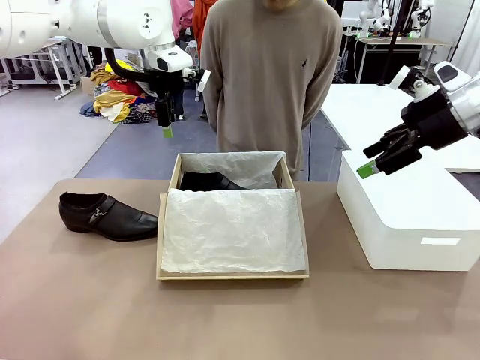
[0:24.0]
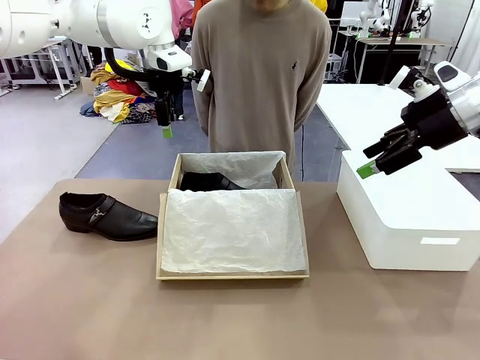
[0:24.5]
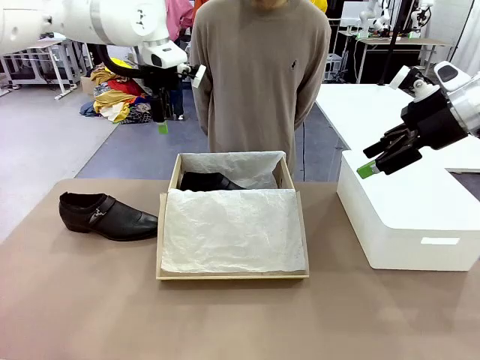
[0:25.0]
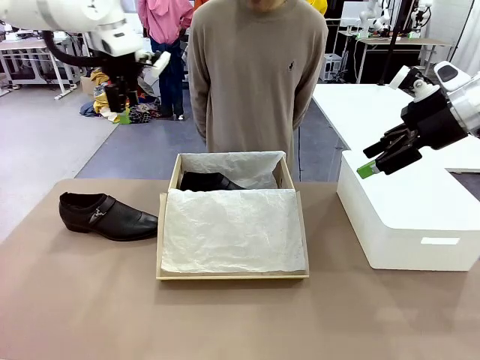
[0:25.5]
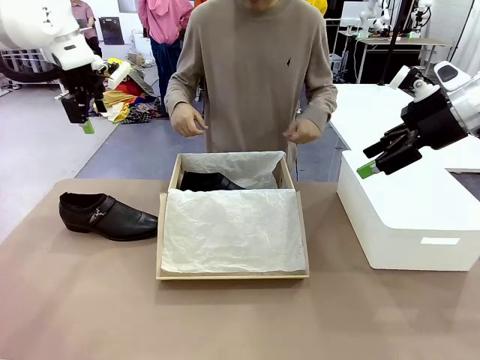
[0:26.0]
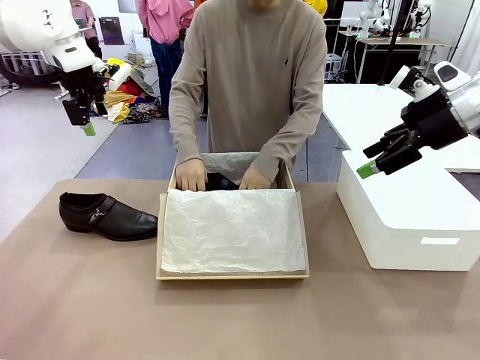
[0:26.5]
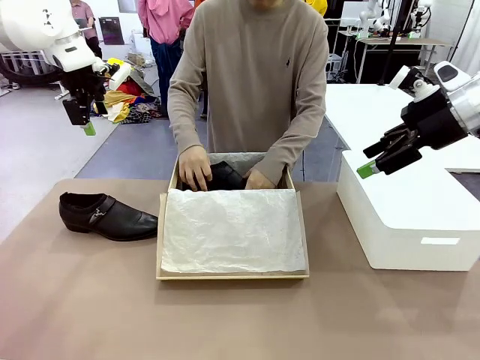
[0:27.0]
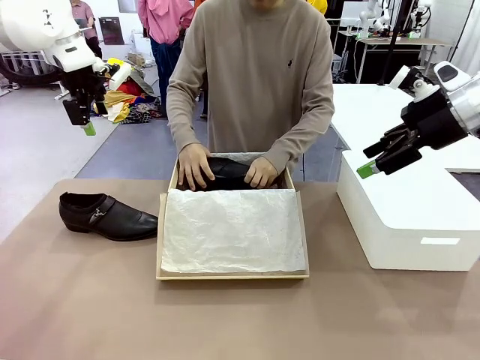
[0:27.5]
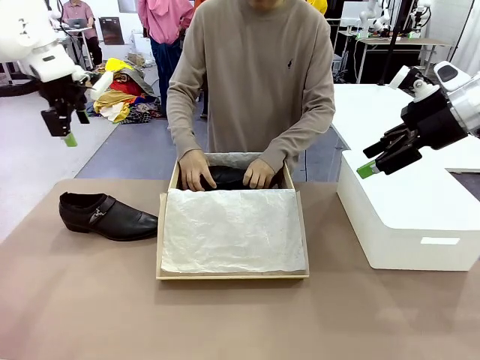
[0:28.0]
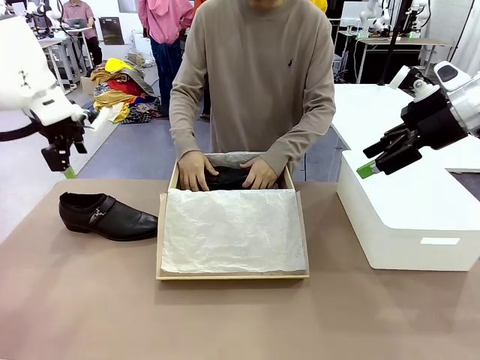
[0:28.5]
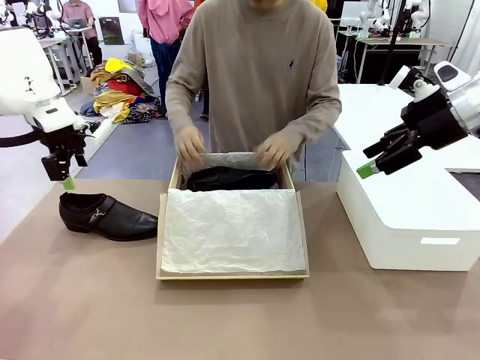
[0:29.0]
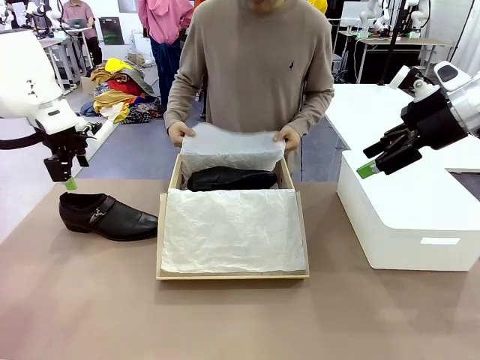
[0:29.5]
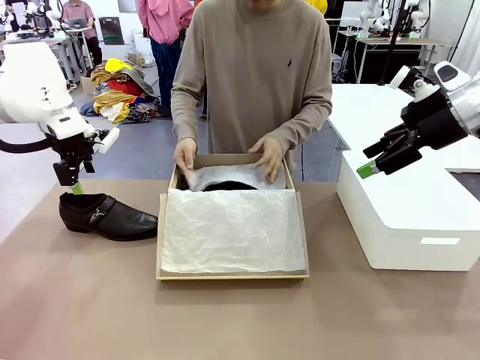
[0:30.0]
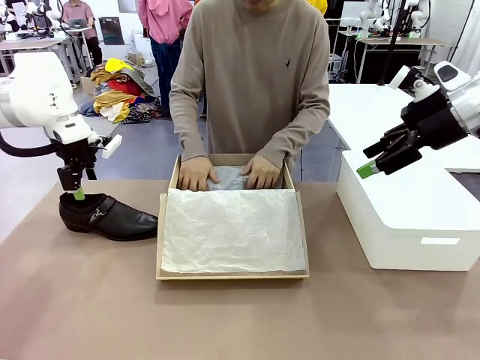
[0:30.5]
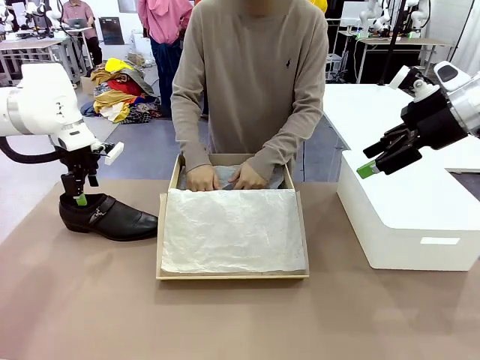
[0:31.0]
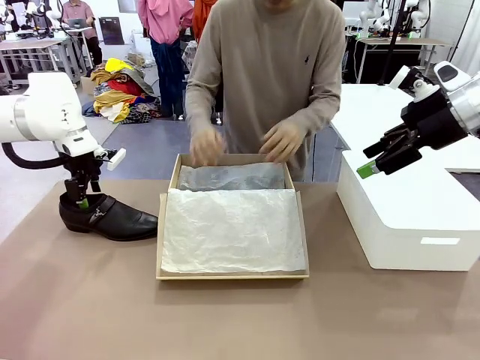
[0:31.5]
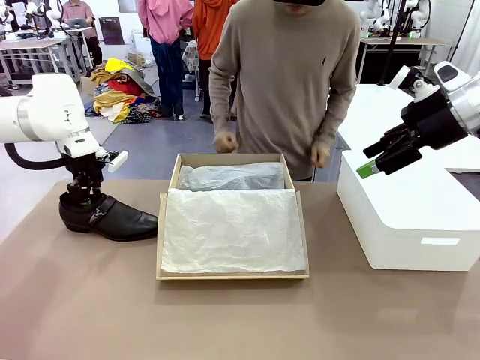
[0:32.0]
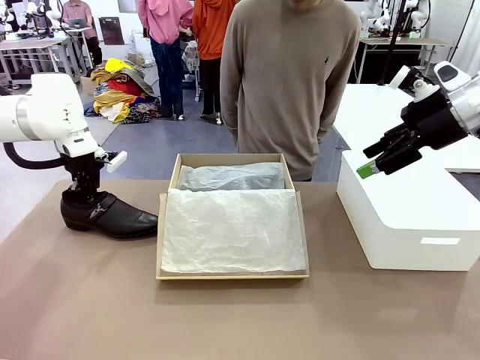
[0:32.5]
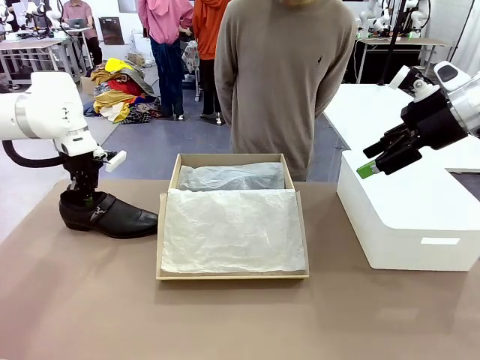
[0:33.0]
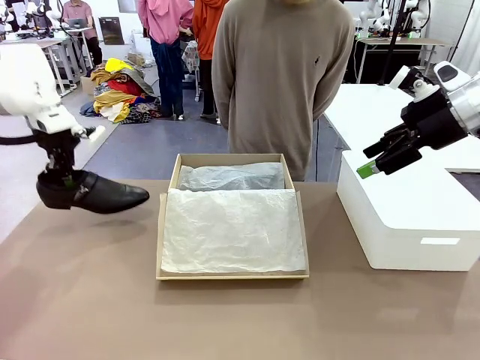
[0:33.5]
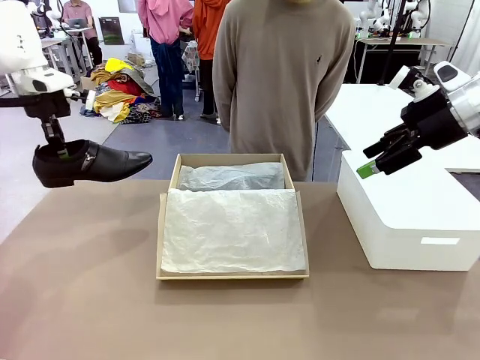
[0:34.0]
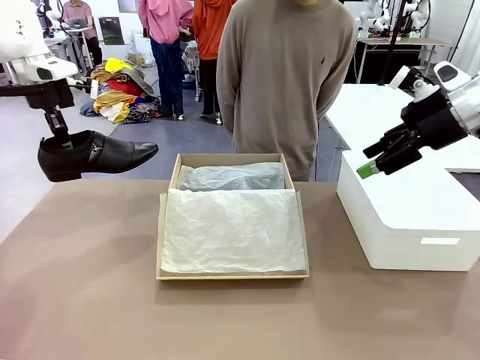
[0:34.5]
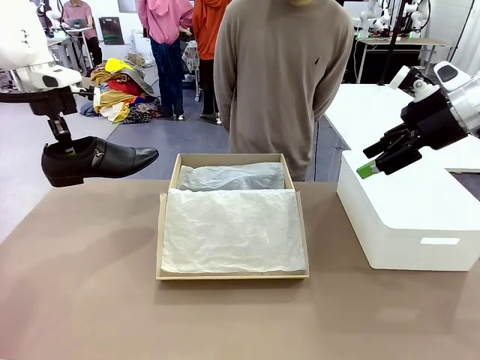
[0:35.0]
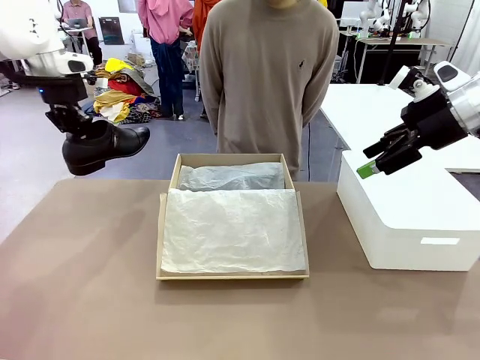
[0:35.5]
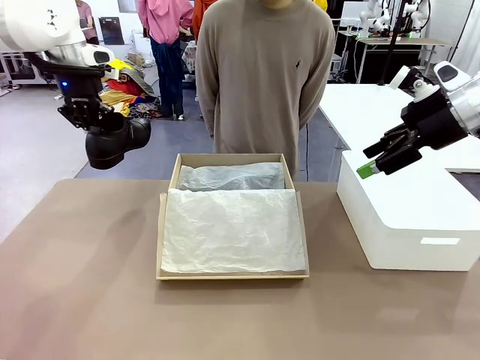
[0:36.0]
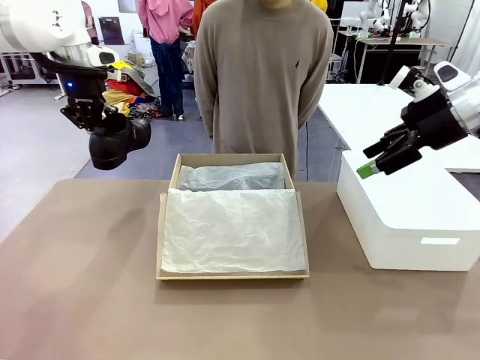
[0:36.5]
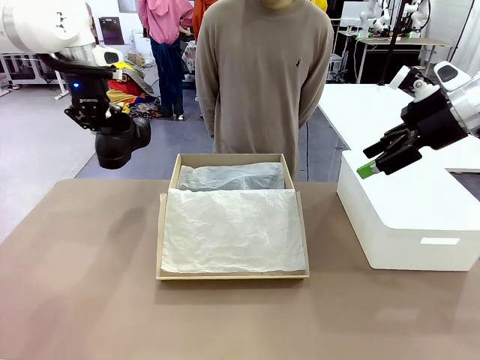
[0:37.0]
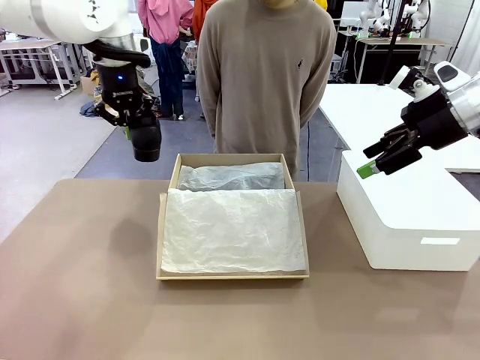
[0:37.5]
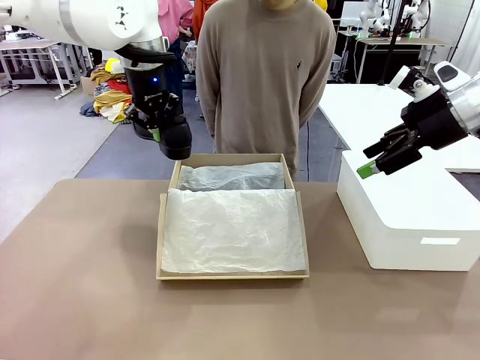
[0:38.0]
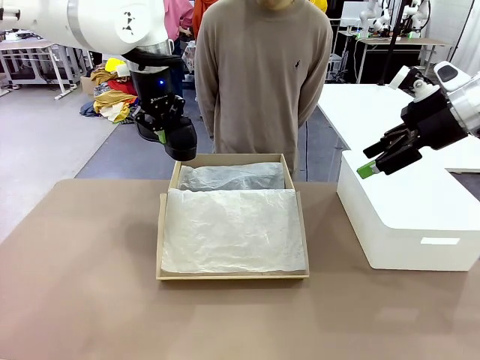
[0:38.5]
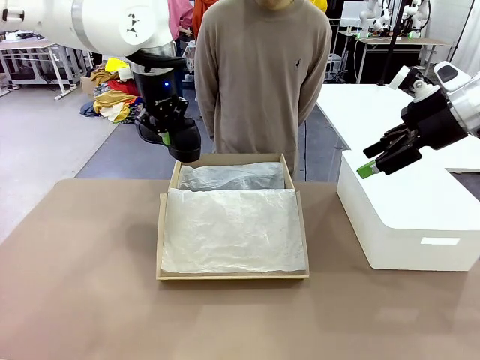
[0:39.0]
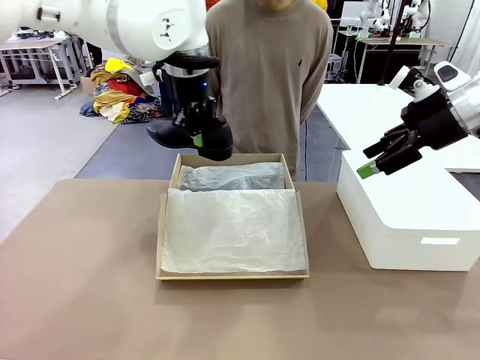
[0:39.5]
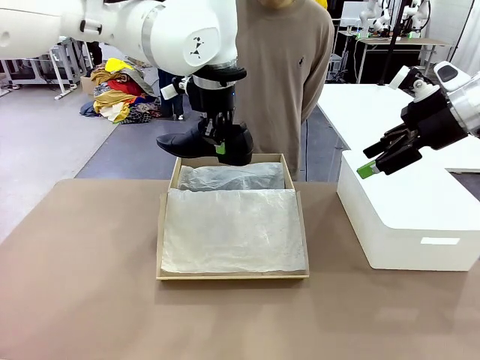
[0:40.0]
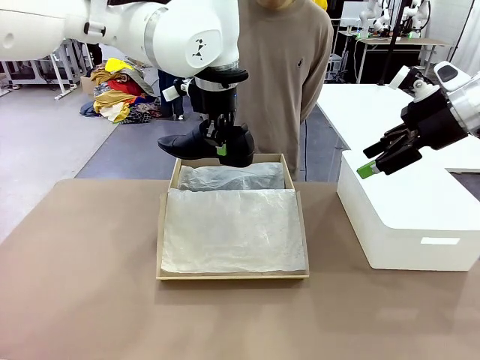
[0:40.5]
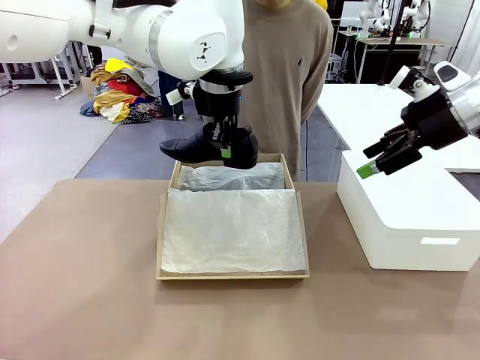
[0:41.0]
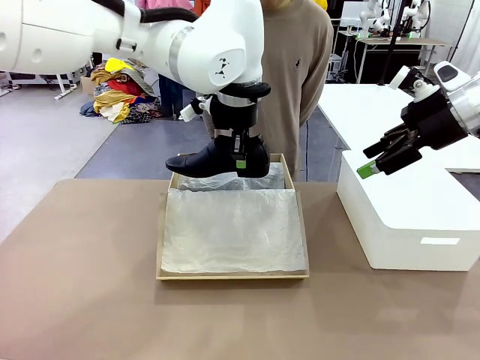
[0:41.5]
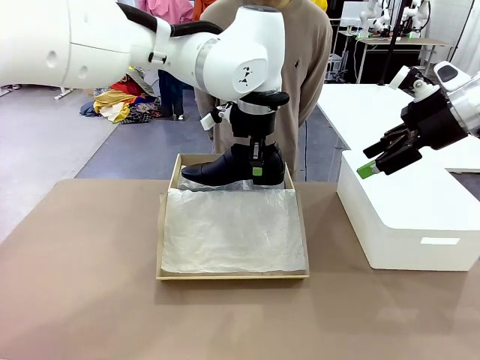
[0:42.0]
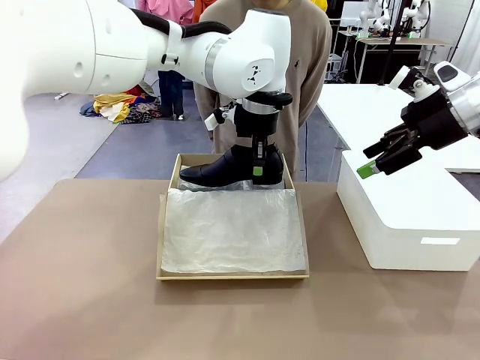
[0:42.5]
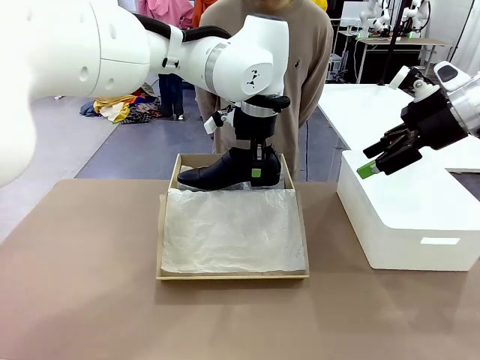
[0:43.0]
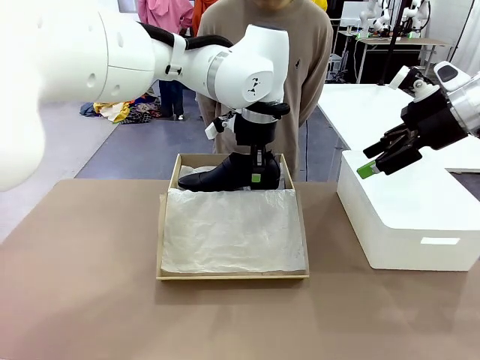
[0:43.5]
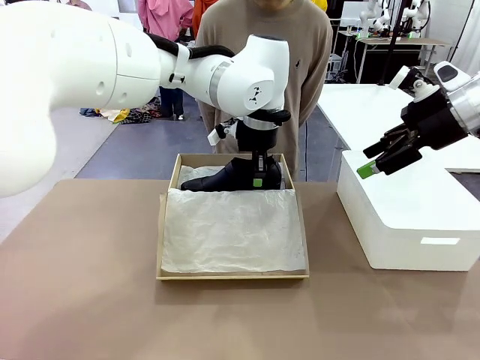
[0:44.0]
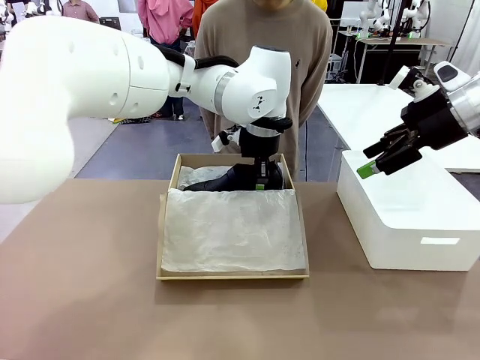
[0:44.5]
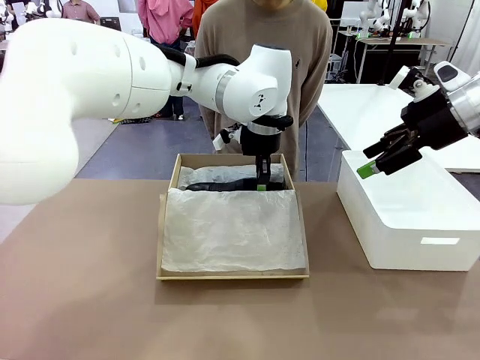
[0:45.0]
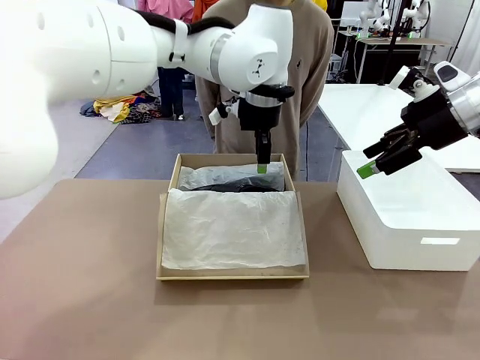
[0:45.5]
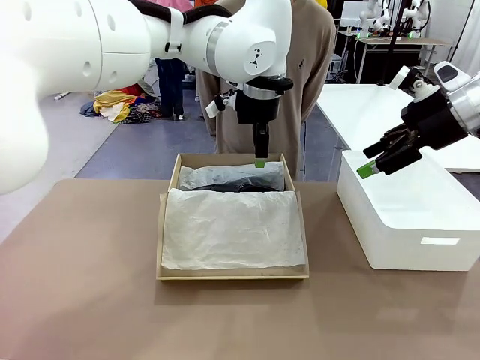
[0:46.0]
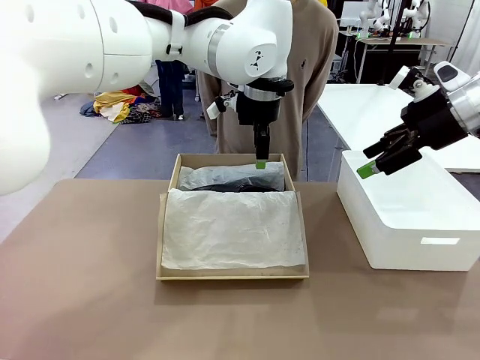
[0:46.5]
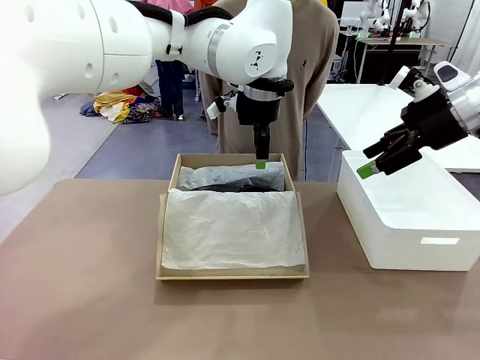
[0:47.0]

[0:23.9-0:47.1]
Task: Pack the shoes into the box.
Robot: Place the other shoe of the Shoes into the Shoes Box.
Person: Pack a shoe of Shoes inside the Shoes Box with Shoes Wrapping Paper.
